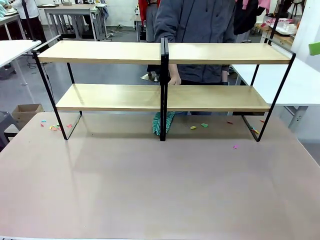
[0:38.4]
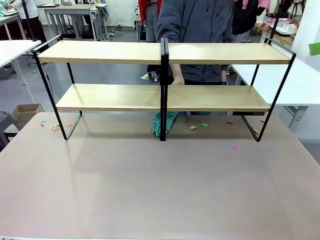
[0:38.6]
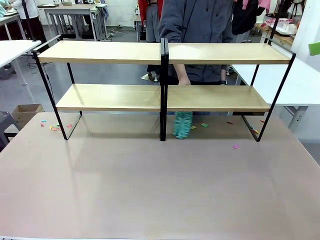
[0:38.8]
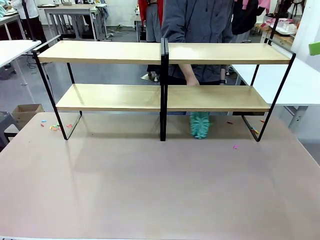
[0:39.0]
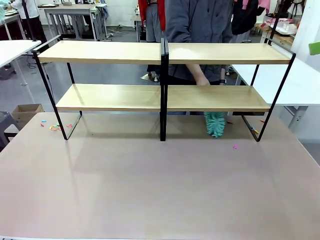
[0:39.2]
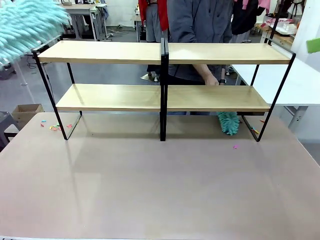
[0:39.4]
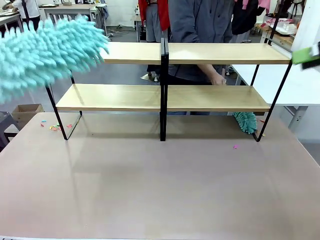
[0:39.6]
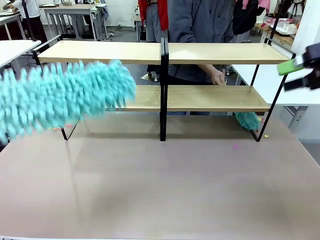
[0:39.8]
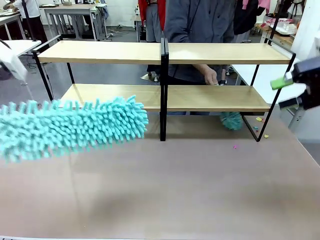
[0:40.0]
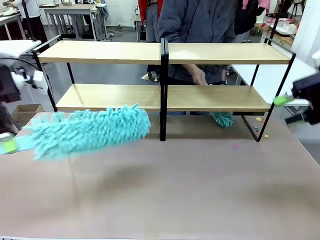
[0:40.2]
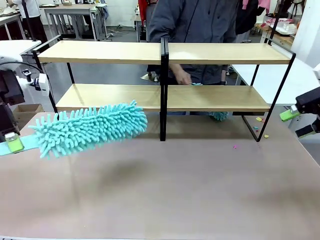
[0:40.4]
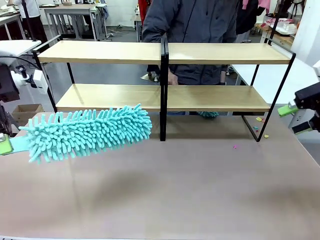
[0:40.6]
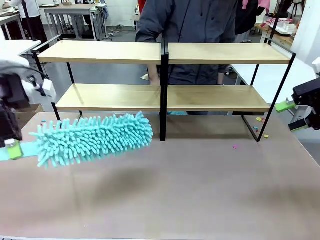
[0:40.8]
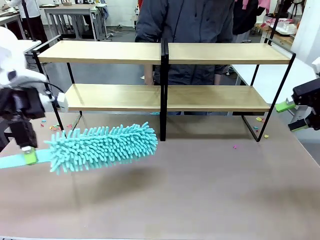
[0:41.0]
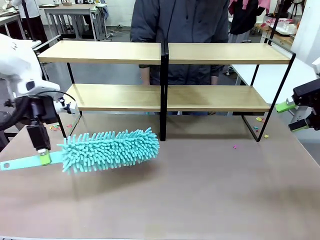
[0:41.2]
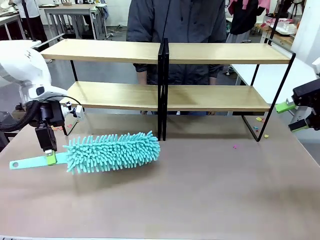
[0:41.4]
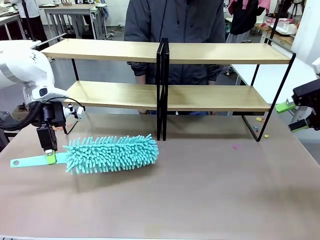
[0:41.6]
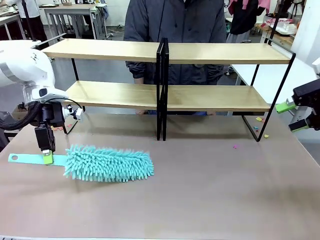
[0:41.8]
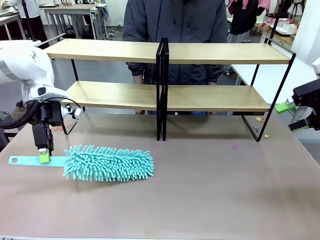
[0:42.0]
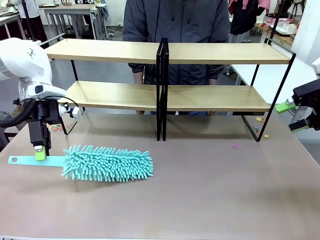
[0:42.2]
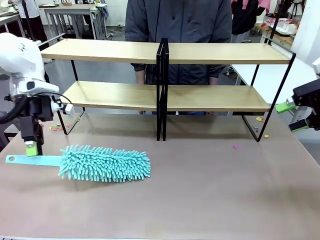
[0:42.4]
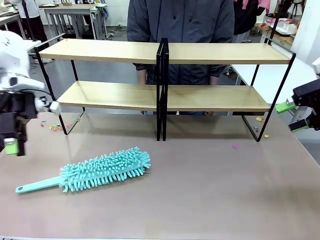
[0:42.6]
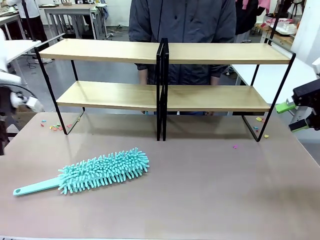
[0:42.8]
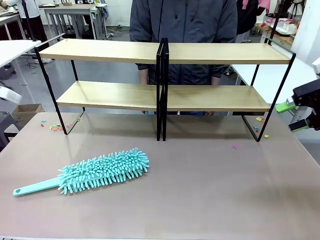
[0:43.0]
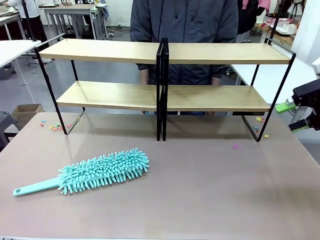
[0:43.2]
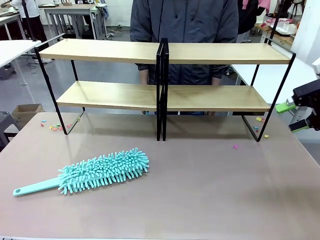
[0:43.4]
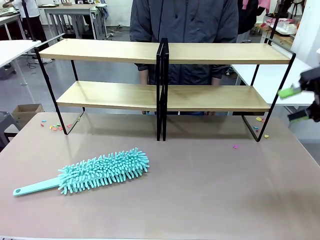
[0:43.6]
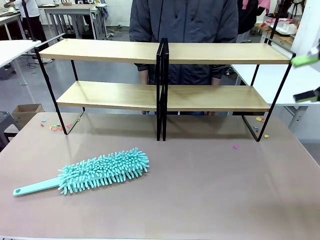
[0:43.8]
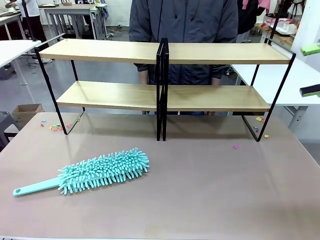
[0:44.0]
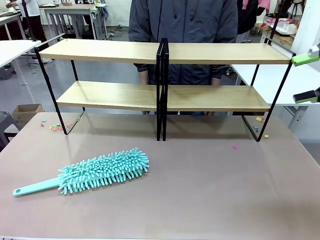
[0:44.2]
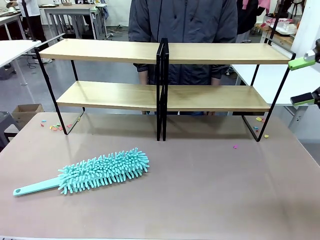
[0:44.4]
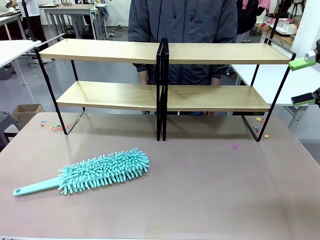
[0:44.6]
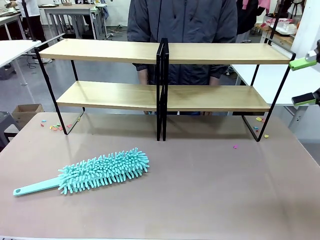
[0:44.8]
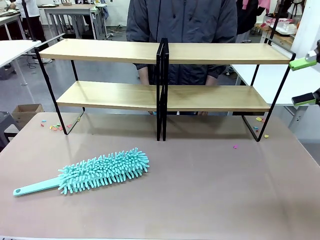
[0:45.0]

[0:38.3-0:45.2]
Task: Clean the shelves.
Robot: Place the Duster on the table.

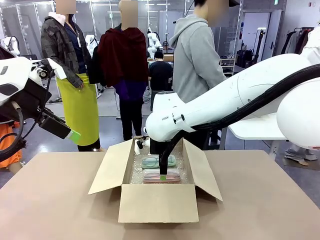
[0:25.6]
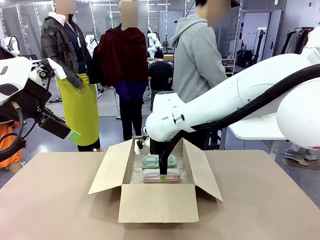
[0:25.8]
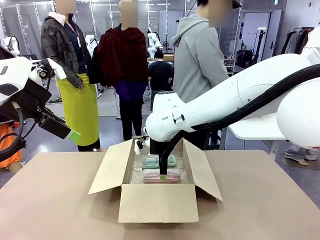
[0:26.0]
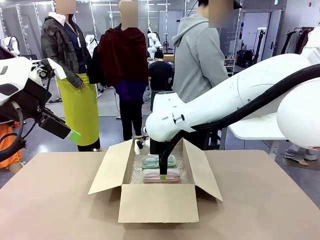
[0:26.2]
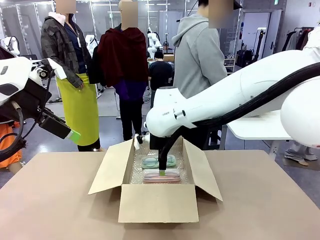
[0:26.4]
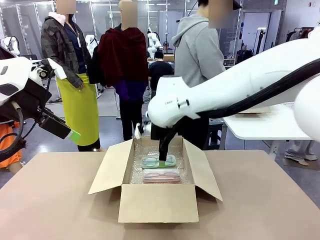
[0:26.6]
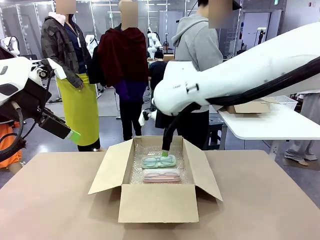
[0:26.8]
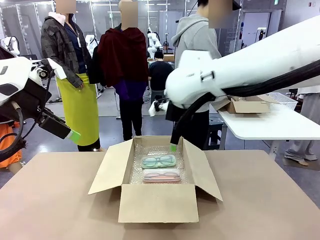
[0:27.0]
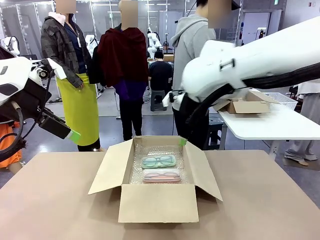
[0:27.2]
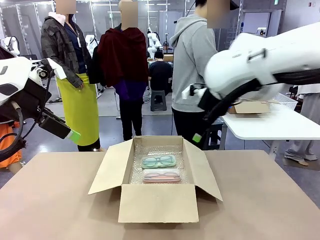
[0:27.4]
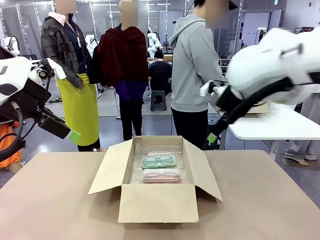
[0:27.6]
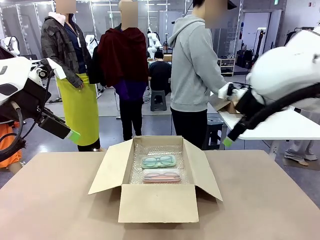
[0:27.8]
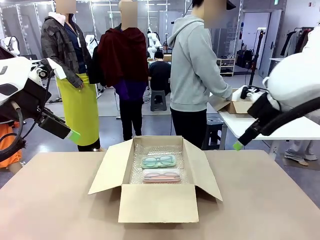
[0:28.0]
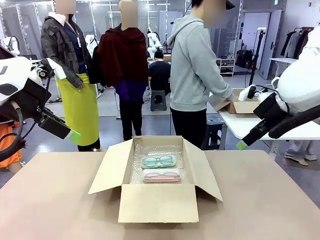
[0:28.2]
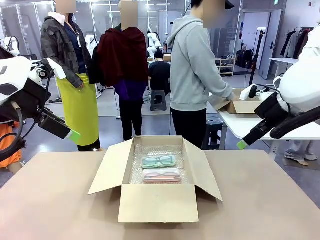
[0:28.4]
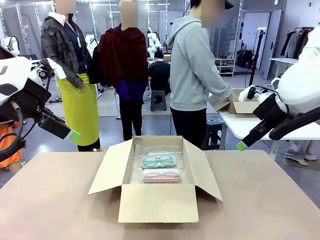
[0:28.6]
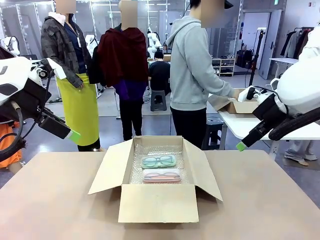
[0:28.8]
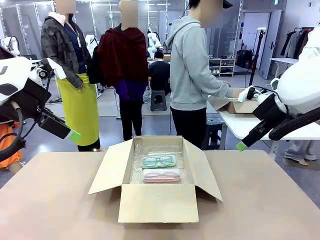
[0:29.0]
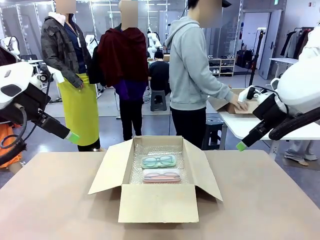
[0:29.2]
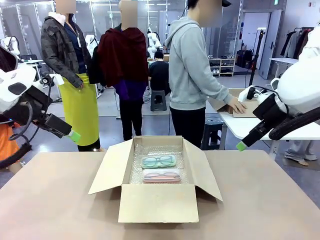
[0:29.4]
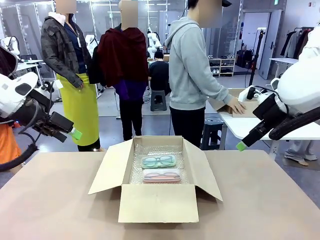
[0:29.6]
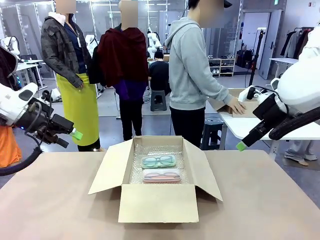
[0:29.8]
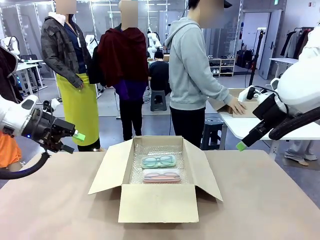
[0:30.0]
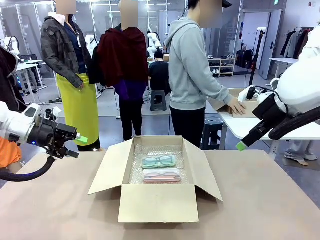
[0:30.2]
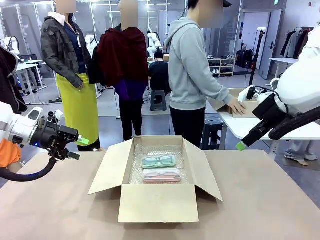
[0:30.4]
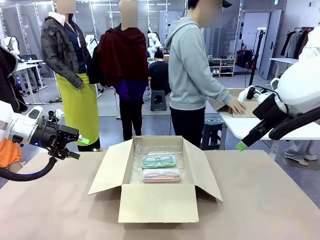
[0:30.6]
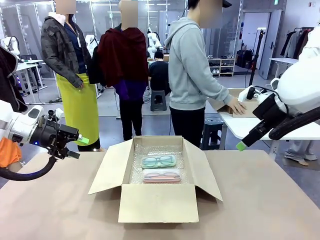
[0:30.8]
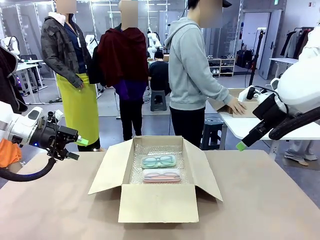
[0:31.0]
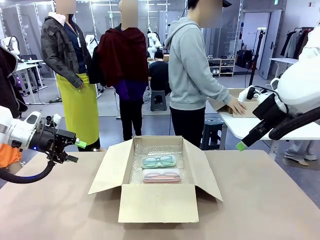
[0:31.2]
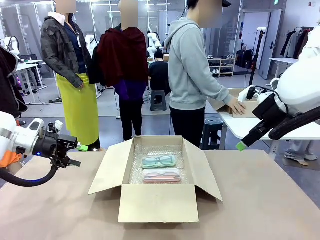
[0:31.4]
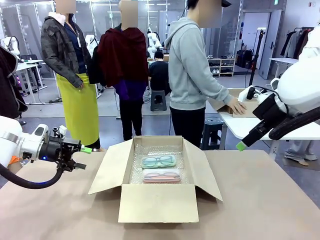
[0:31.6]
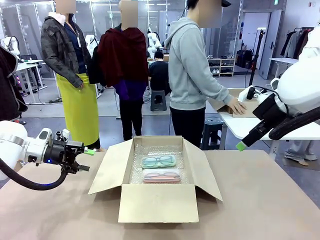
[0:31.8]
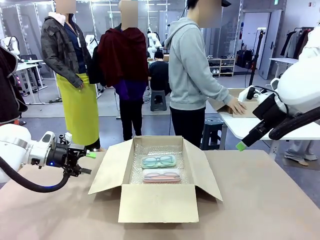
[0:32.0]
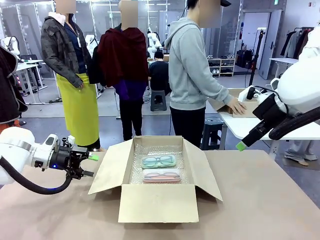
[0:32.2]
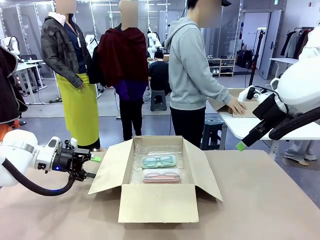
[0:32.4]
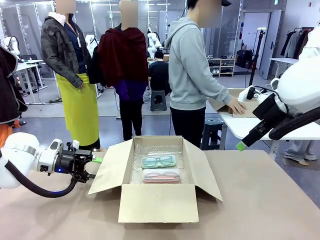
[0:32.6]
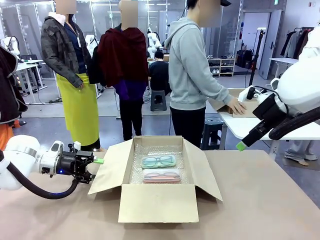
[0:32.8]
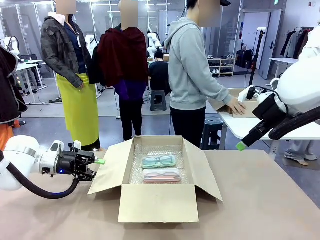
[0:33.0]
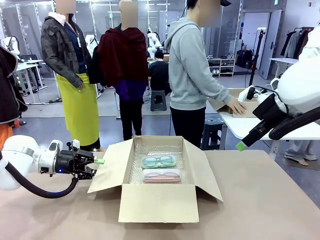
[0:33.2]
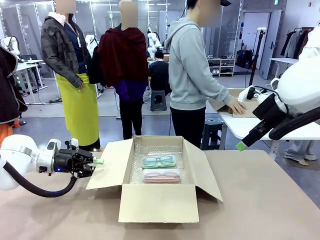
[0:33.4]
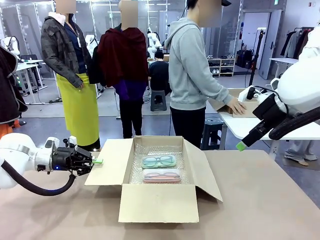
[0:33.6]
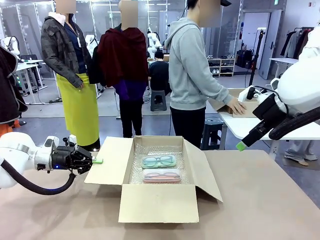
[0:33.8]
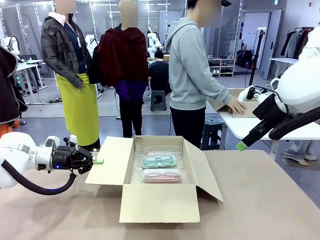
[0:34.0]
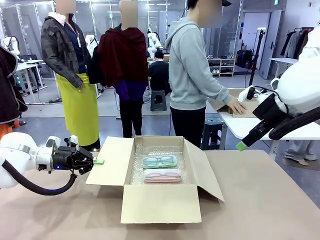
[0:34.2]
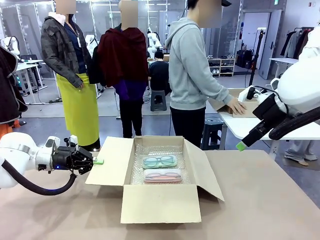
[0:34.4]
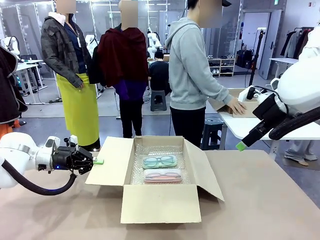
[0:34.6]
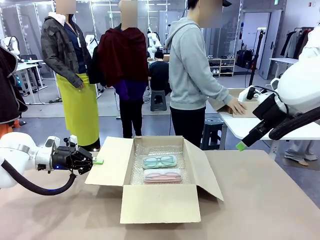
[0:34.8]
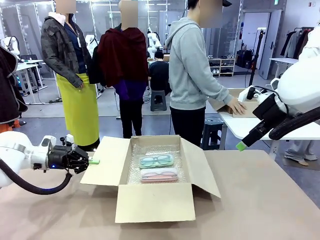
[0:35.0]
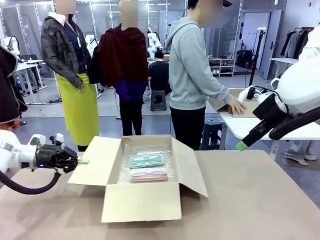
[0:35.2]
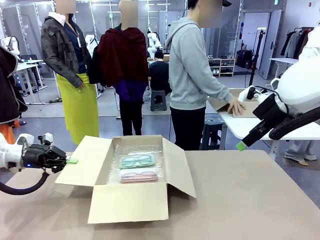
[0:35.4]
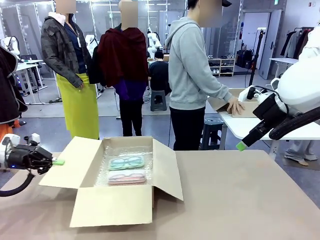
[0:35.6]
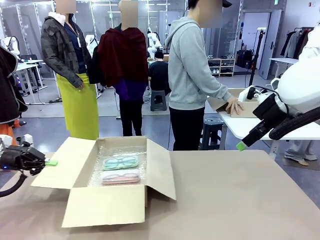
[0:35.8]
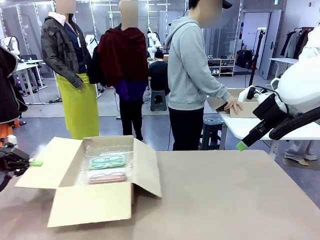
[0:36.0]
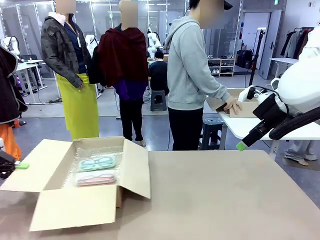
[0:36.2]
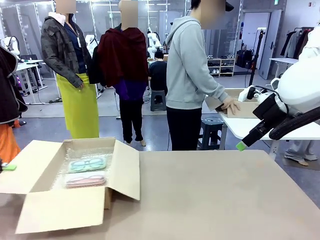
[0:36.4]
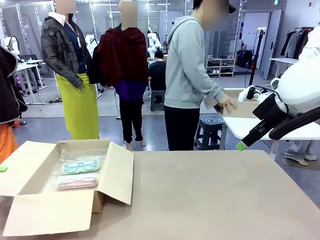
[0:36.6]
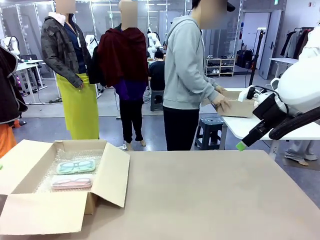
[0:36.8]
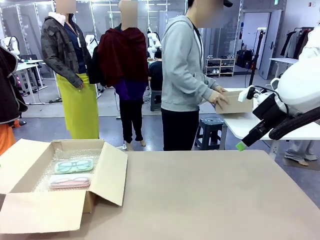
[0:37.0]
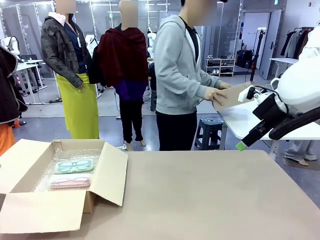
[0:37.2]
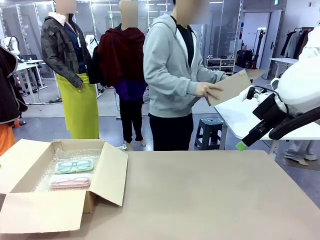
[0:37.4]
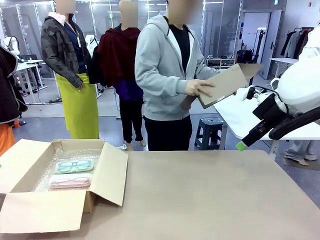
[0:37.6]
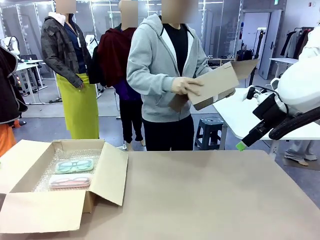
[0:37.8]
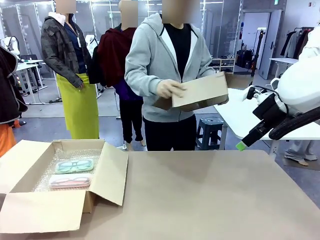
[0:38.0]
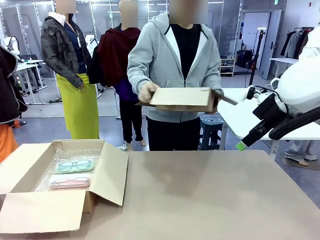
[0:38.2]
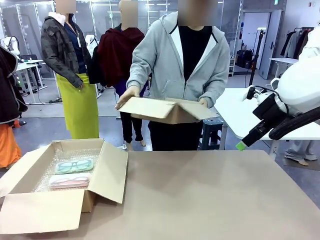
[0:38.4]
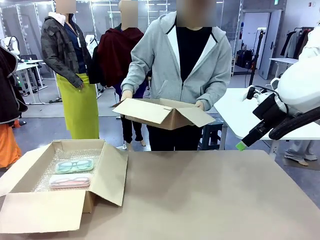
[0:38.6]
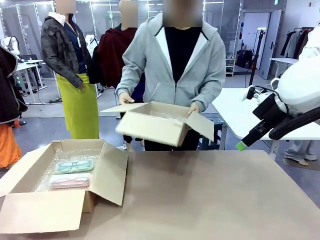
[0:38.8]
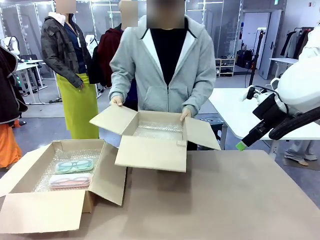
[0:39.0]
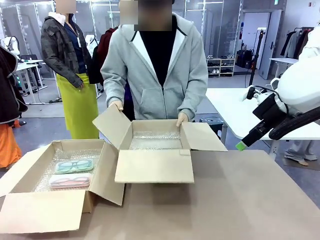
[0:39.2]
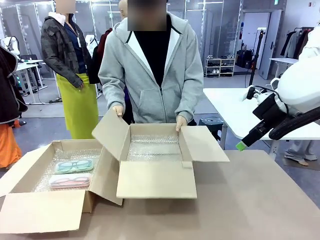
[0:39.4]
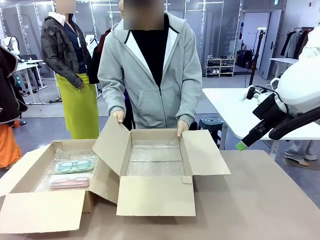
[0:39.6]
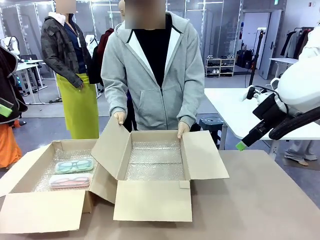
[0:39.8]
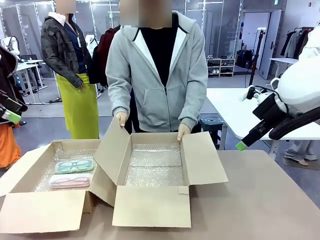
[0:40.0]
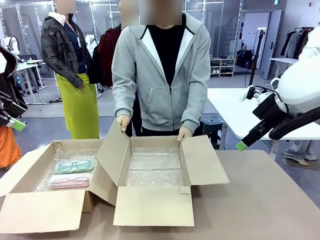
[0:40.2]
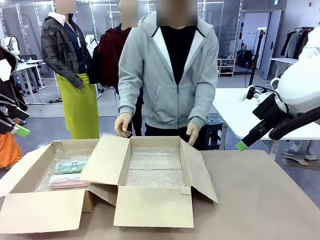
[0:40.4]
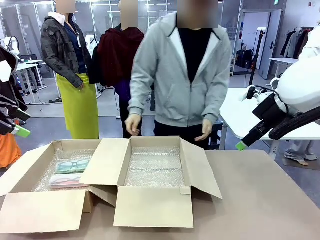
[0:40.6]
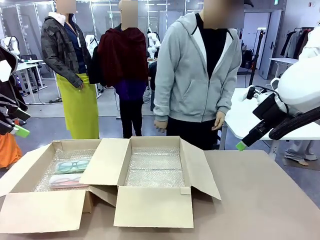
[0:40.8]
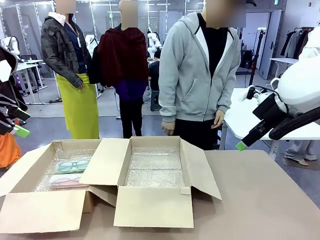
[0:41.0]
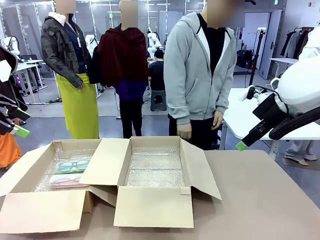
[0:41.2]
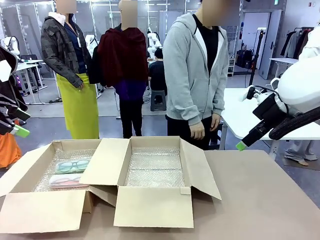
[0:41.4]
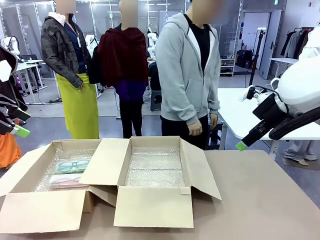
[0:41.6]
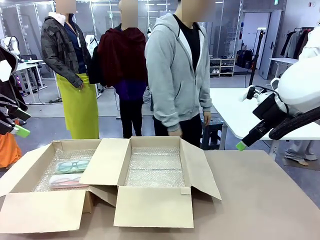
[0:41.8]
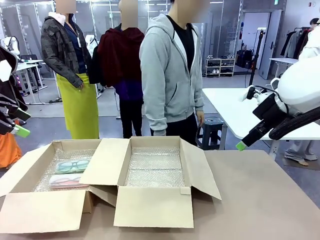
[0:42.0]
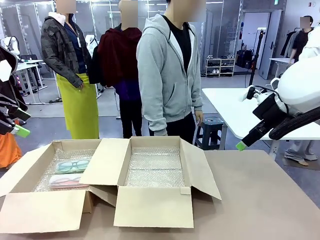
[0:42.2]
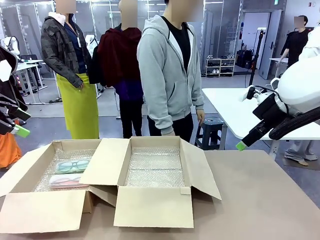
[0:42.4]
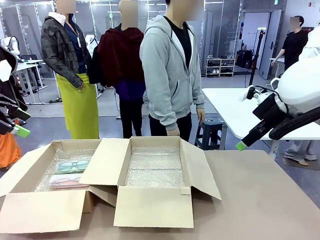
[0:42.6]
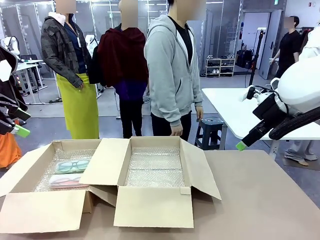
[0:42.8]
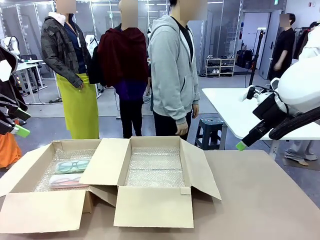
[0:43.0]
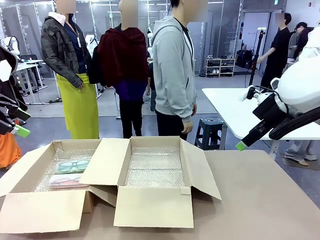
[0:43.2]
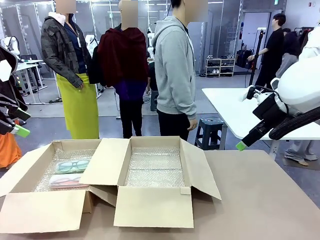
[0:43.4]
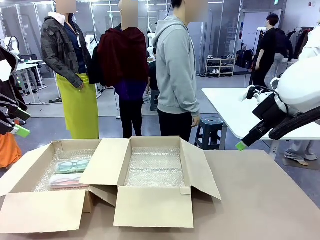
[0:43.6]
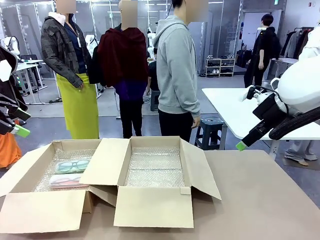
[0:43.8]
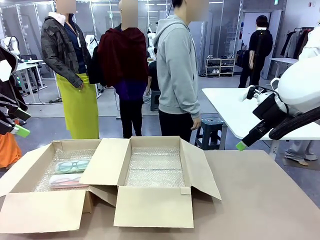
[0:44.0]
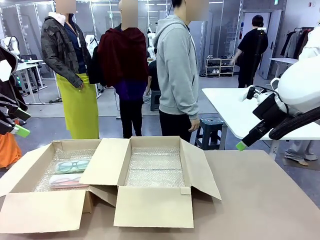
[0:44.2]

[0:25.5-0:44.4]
Task: Pack the glasses set securely to prepare it for shipping.
Robot: Position the Package Box on the left side of the table.
Person: Position the empty Package Box in the middle of the robot's table.
